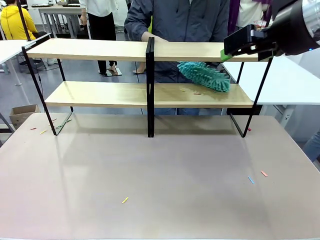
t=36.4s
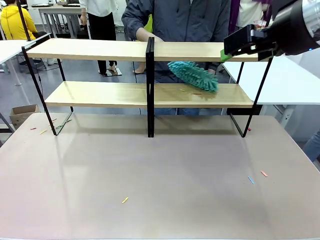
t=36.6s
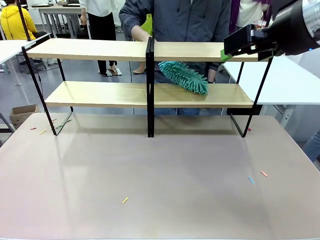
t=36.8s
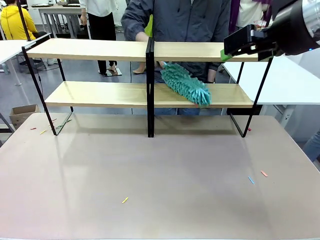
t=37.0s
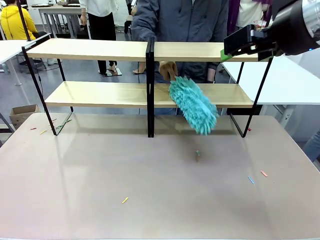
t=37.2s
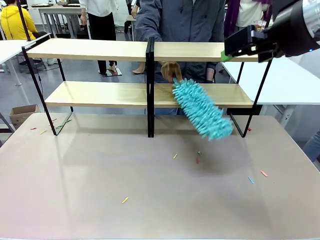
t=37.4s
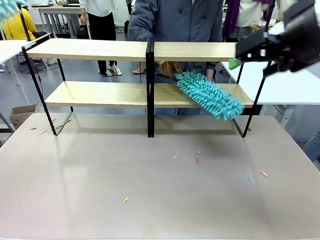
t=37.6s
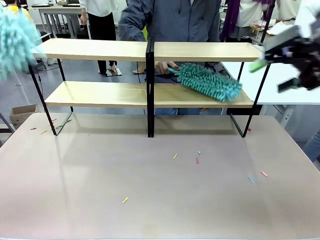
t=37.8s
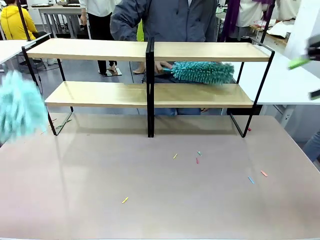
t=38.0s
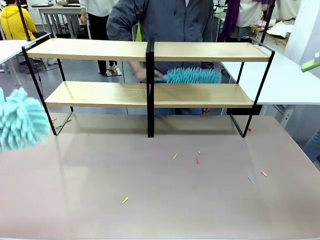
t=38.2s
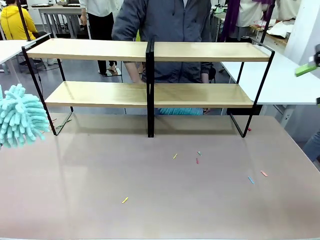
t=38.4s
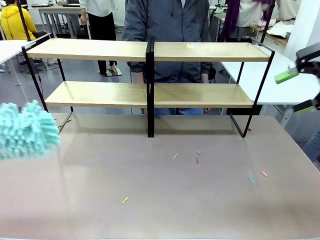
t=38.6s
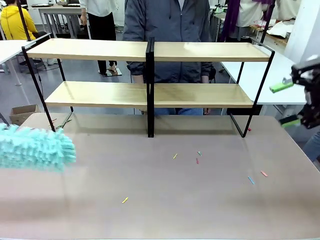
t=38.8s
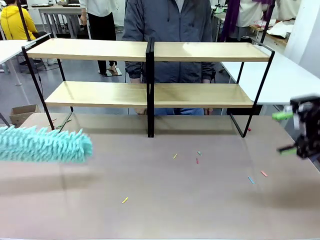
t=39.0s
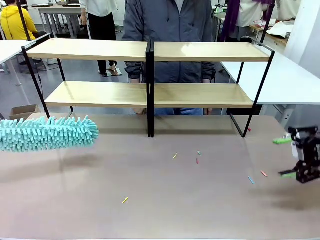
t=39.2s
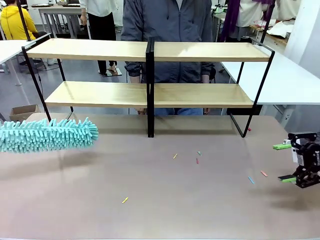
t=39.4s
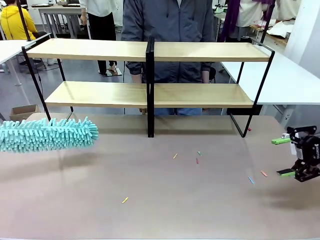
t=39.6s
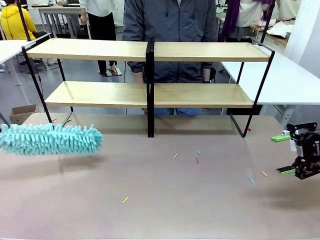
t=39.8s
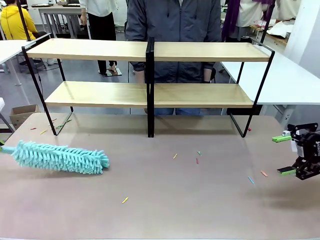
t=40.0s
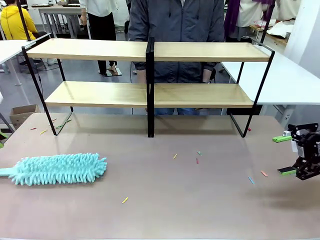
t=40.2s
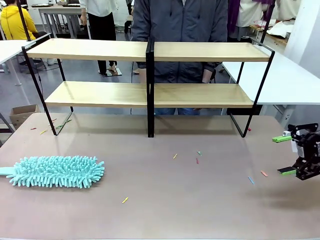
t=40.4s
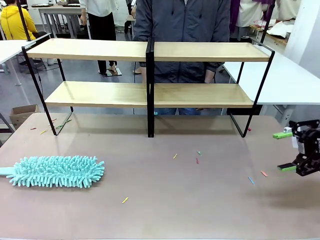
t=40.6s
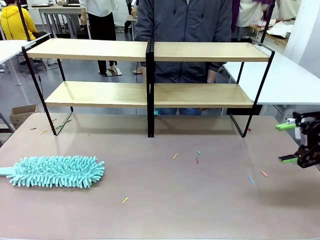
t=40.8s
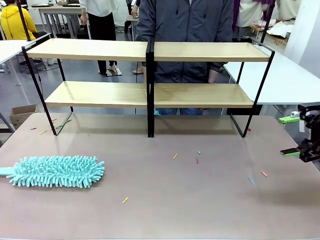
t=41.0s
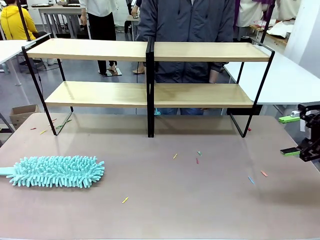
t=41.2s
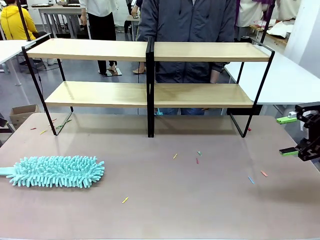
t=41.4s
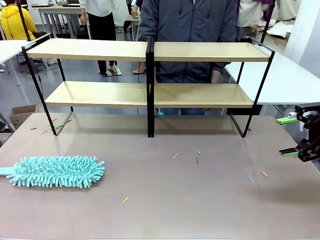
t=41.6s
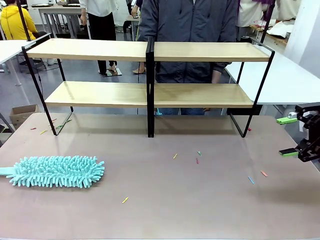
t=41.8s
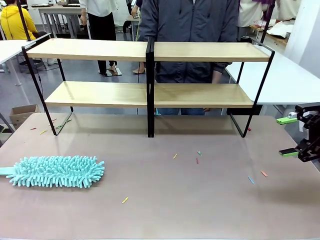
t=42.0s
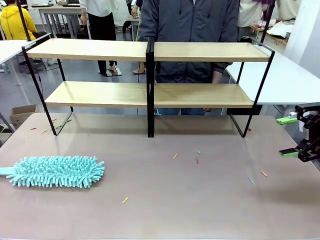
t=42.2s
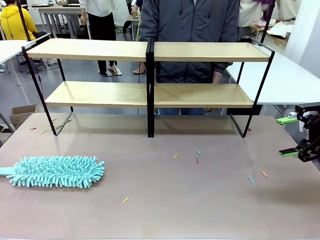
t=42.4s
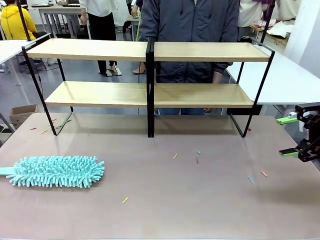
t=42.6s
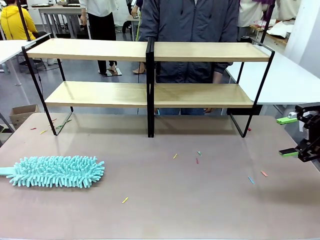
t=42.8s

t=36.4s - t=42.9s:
Task: Clean the shelves.
Robot: Place the Duster on the table.

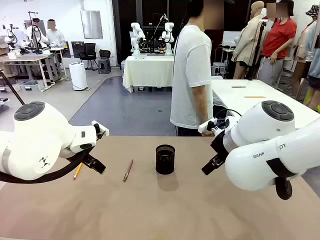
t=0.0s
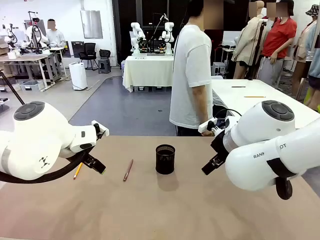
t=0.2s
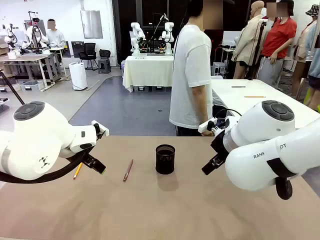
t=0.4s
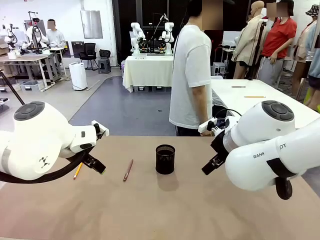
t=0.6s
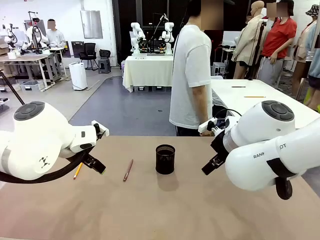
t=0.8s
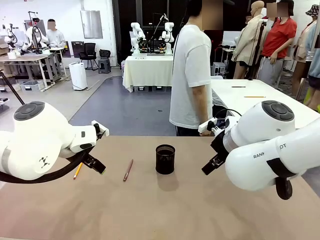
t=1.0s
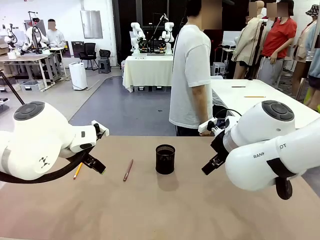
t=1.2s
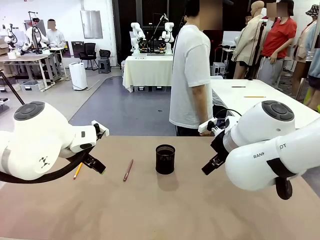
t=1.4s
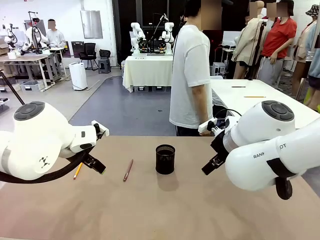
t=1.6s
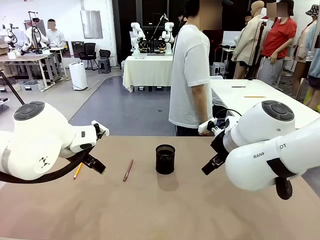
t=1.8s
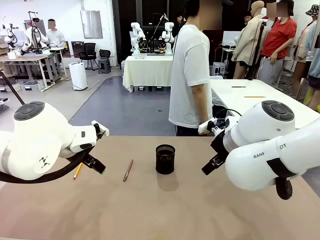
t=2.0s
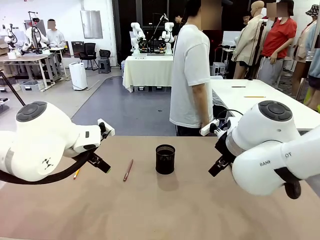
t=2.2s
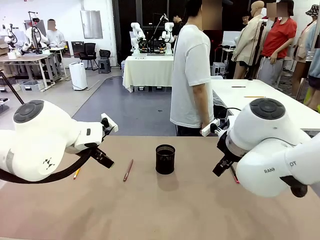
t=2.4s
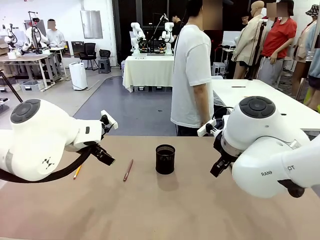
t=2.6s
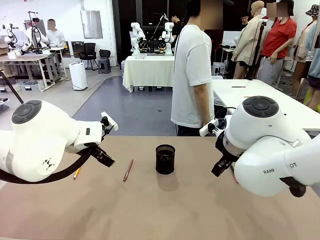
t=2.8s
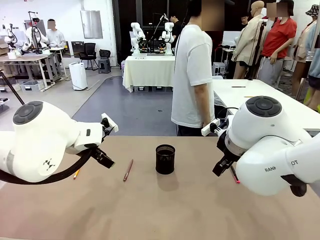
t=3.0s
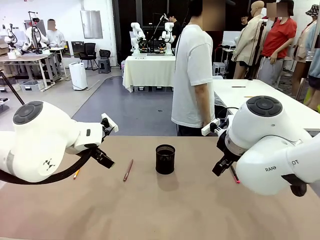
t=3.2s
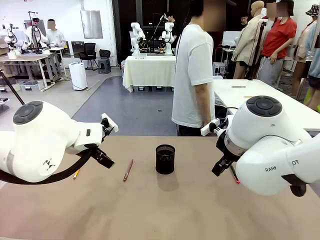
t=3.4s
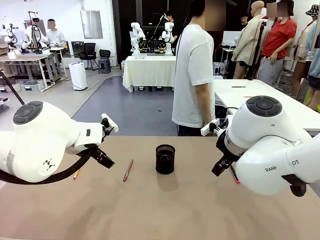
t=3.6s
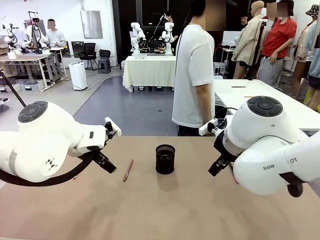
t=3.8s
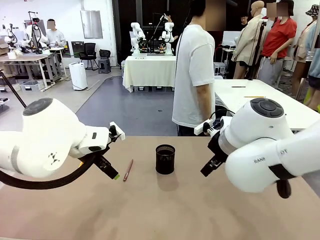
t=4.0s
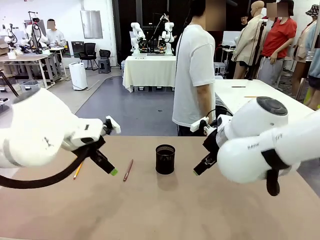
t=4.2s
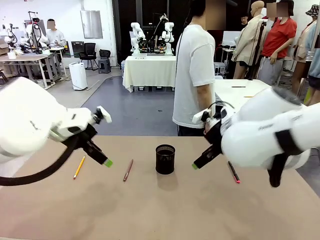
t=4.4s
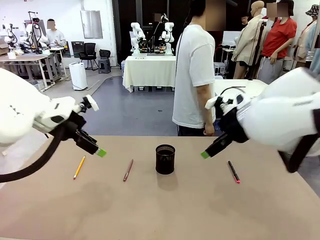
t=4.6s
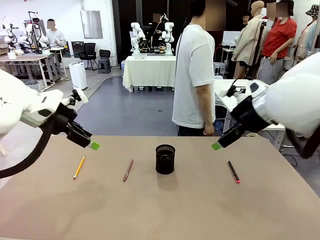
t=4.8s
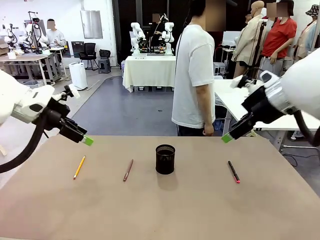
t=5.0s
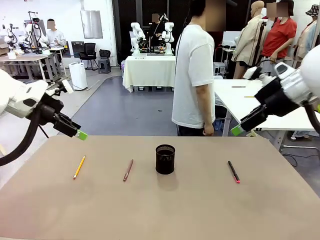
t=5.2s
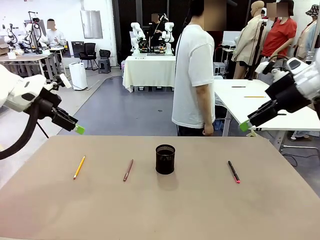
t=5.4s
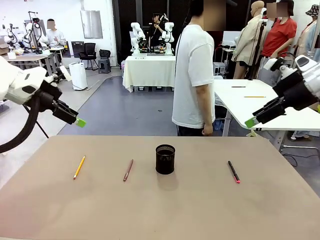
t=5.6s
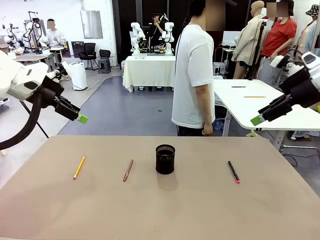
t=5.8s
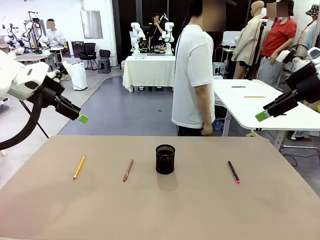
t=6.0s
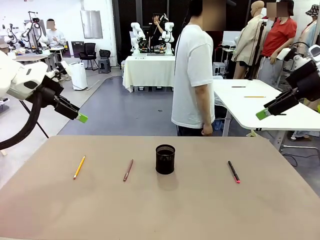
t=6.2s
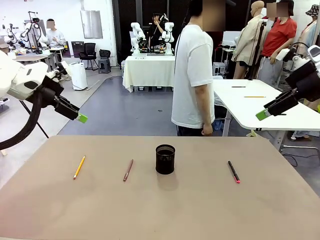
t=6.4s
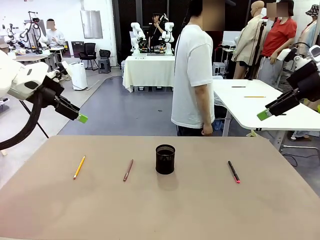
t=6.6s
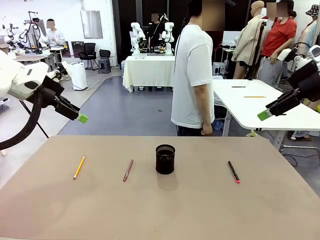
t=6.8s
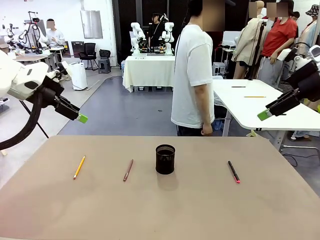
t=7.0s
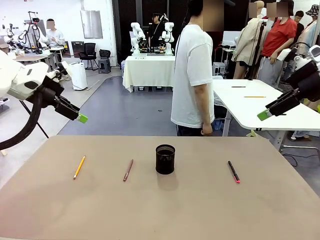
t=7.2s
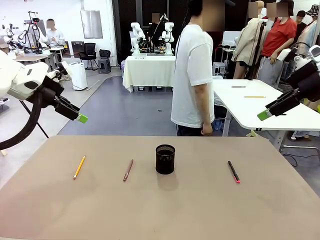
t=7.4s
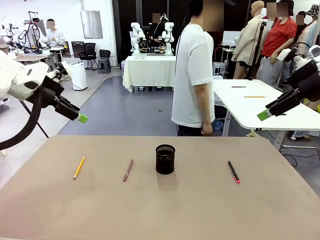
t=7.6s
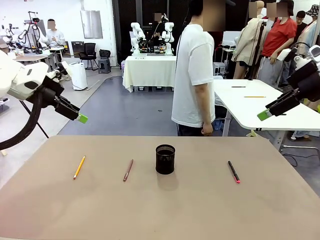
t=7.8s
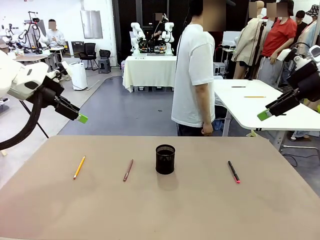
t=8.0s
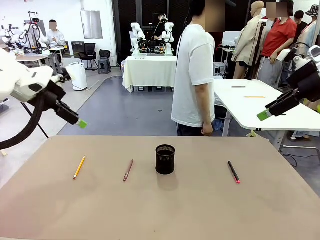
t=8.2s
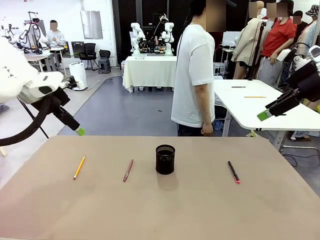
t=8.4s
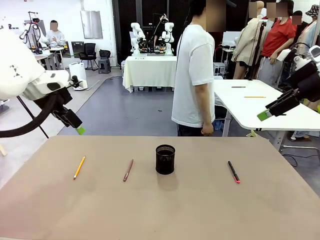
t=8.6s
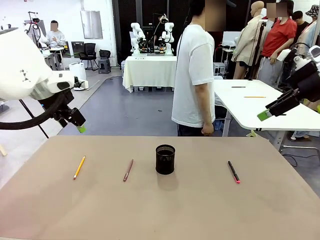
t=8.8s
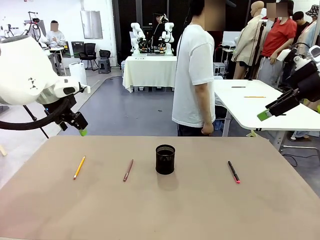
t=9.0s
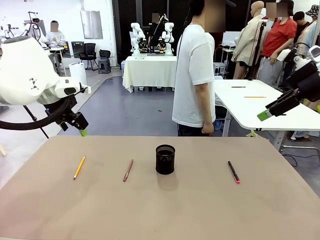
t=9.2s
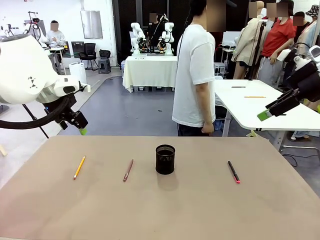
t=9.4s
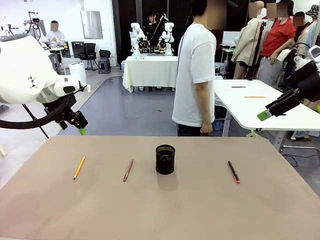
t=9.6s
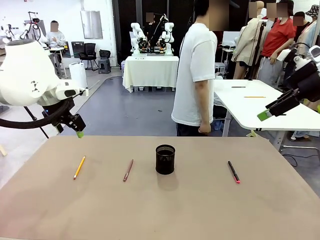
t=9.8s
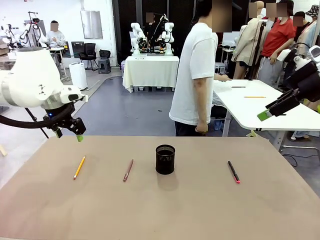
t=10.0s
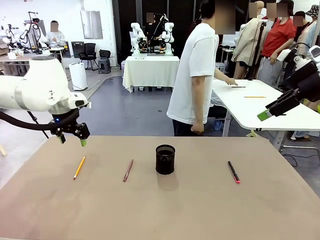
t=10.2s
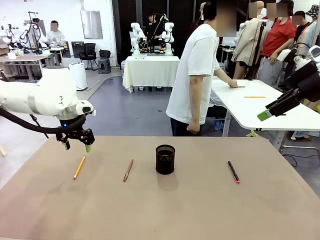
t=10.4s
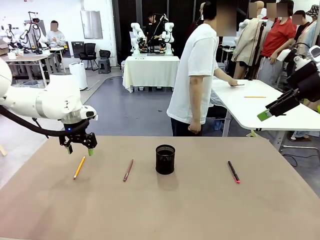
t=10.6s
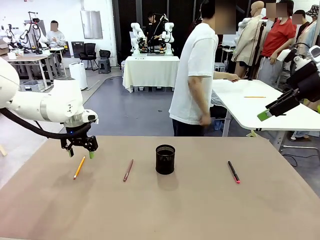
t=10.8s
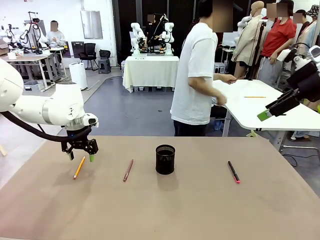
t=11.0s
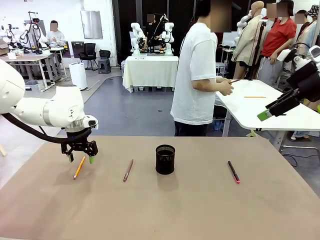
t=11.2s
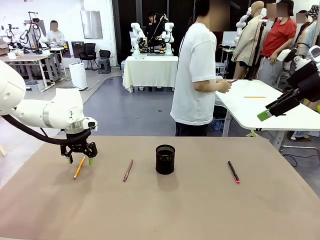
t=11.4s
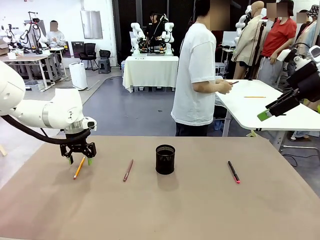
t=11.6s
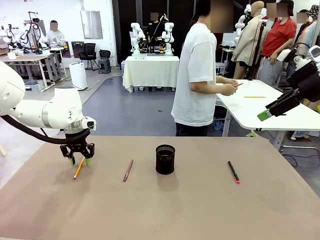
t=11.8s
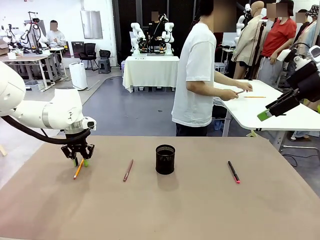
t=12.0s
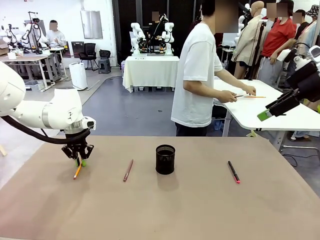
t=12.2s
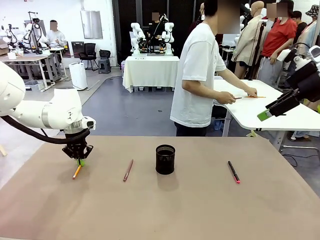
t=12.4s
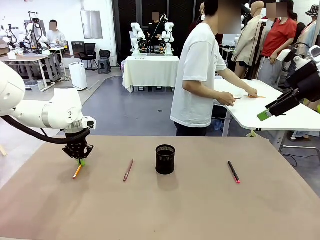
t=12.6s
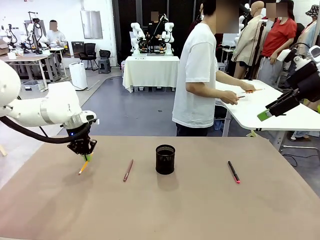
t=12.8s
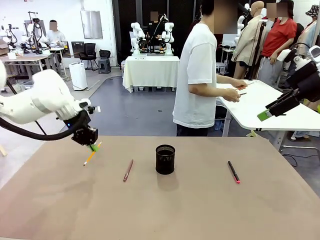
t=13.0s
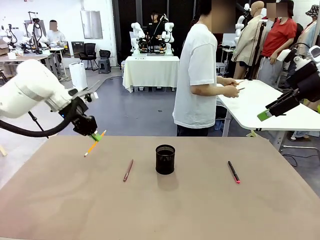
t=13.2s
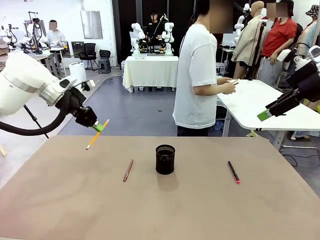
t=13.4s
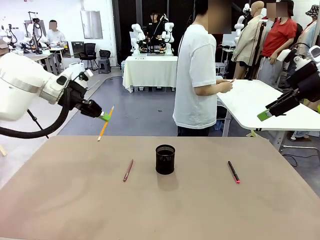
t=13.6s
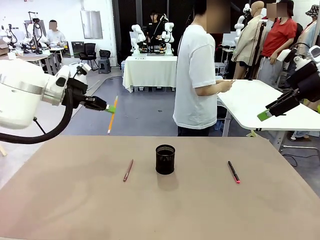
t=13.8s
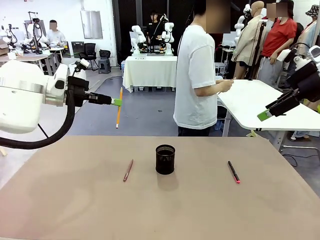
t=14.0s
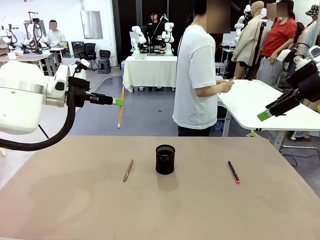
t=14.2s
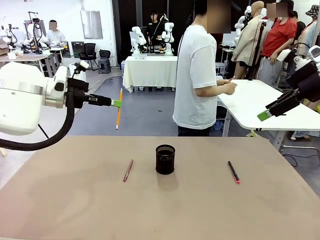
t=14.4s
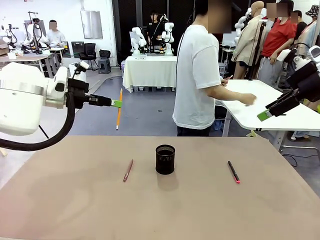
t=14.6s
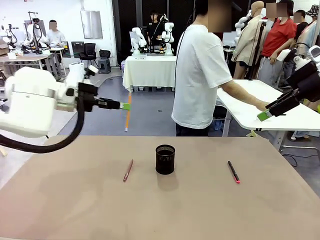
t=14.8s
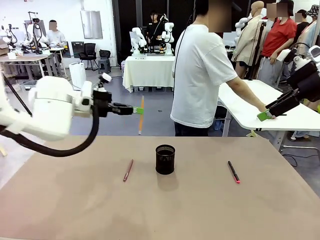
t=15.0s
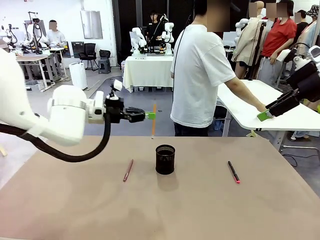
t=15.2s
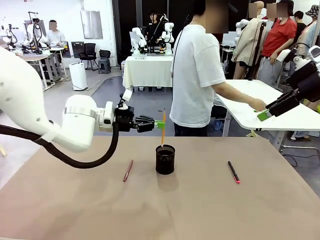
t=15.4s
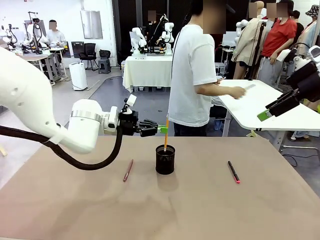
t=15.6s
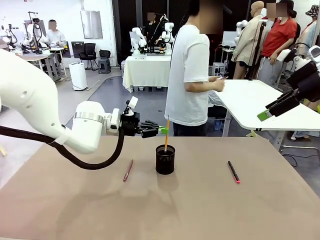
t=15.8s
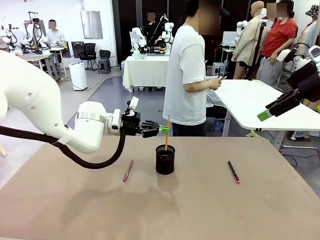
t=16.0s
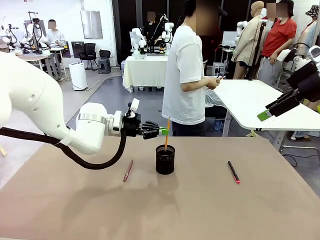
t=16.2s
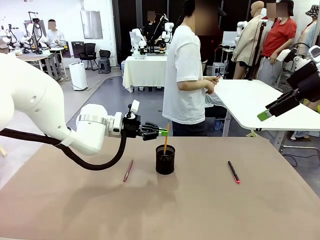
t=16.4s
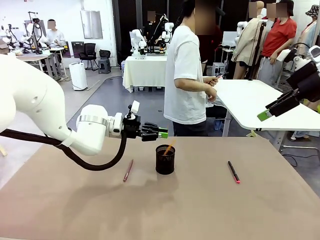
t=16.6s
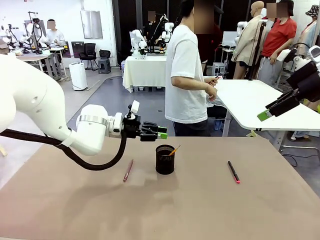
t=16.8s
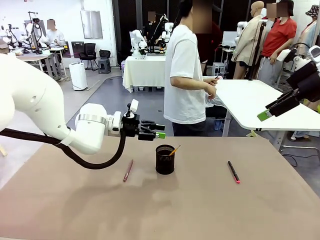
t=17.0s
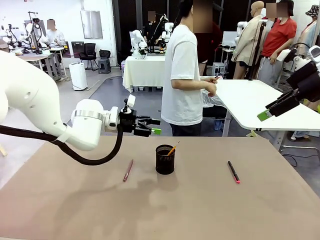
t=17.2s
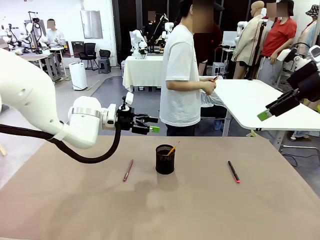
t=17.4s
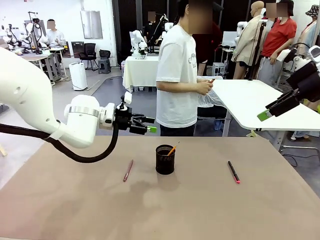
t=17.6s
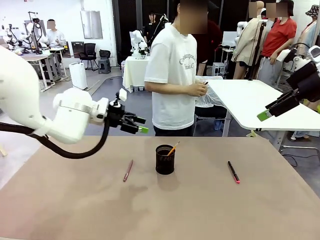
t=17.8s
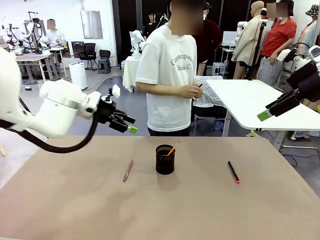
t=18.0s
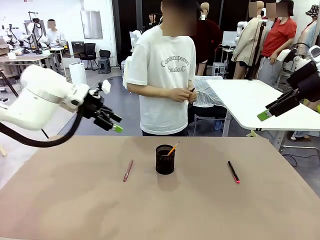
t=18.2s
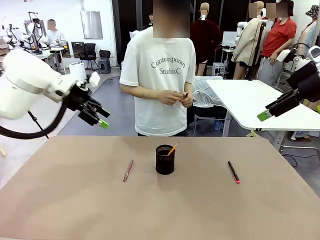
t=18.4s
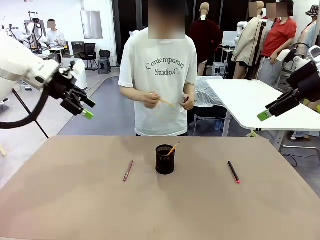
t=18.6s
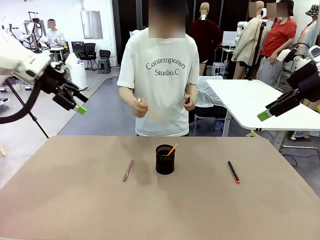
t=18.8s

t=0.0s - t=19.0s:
Task: Place the pens into the pen holder.
Robot: Pick up a writing instrument from the table and place it into the Pen holder.
Person: Pick up all writing instruments from the Human table.
